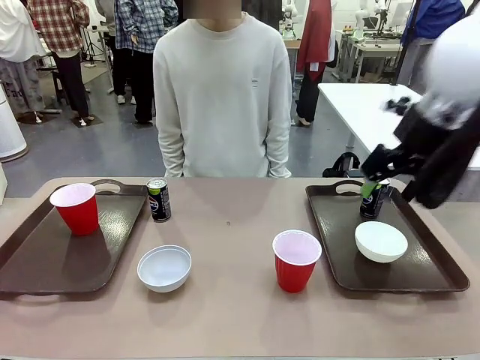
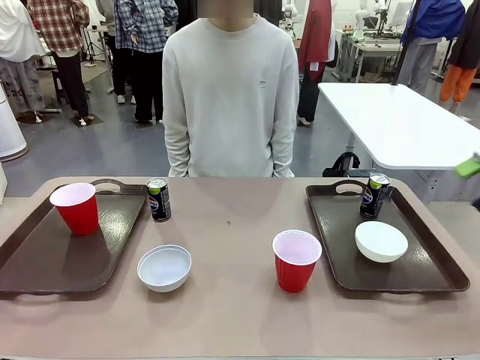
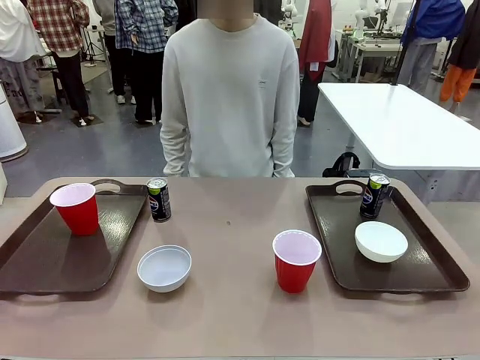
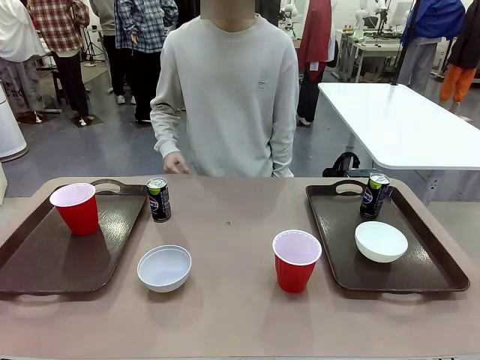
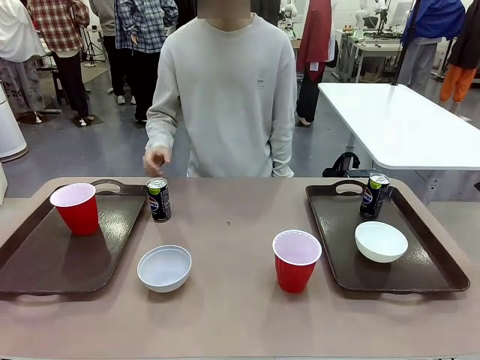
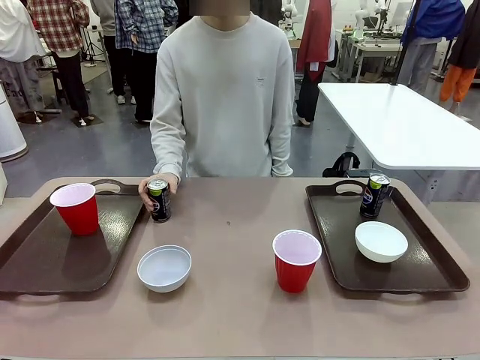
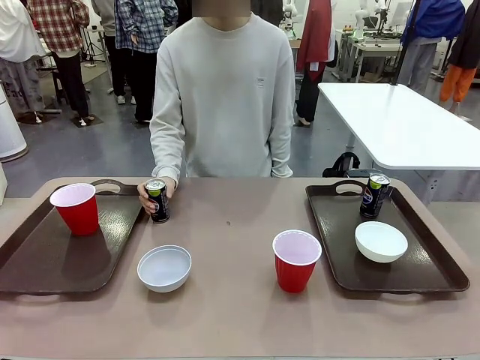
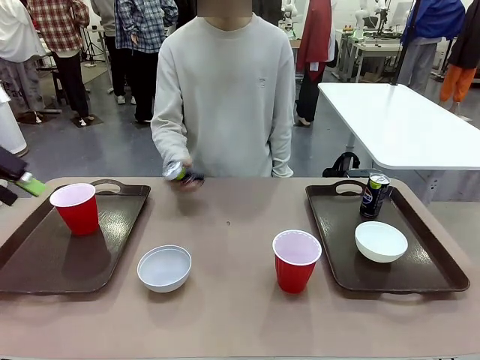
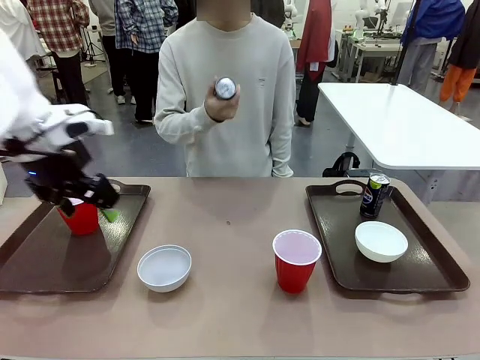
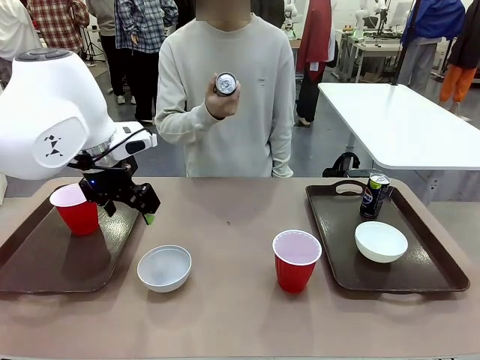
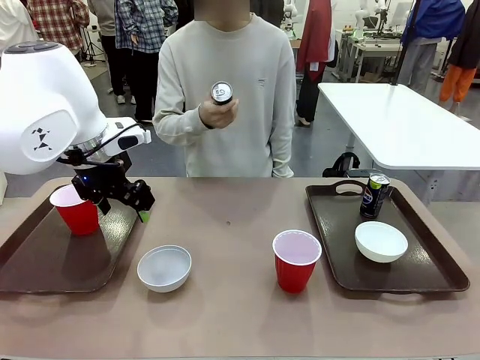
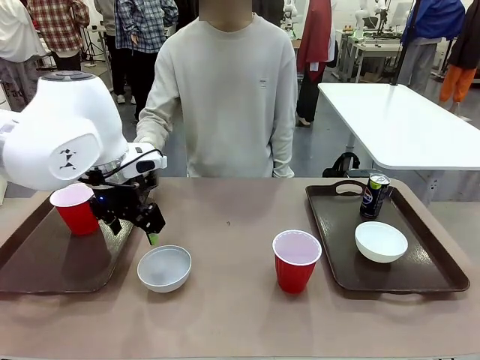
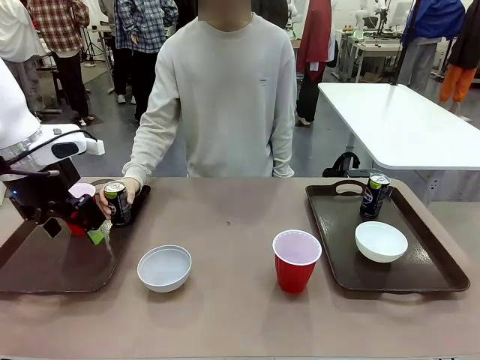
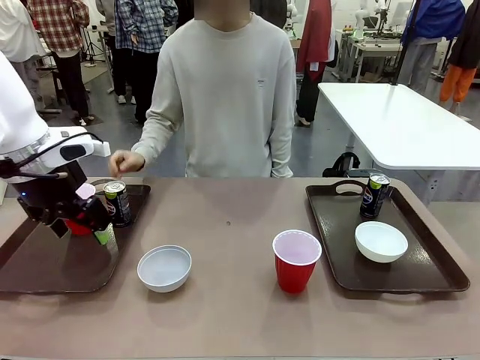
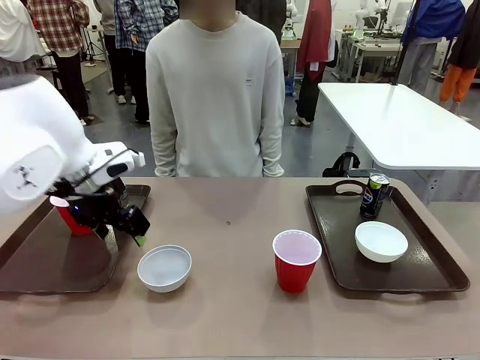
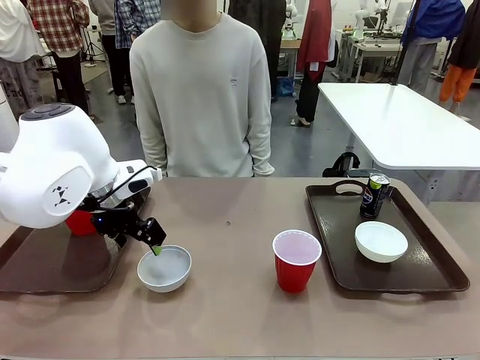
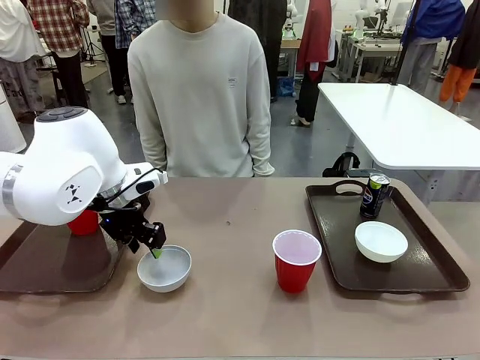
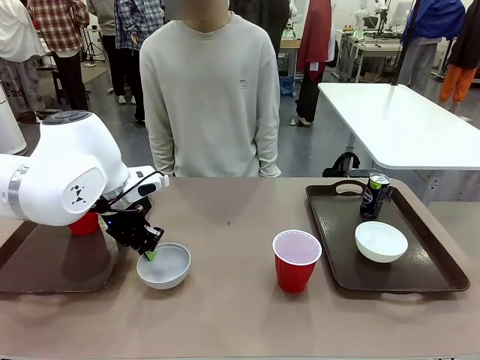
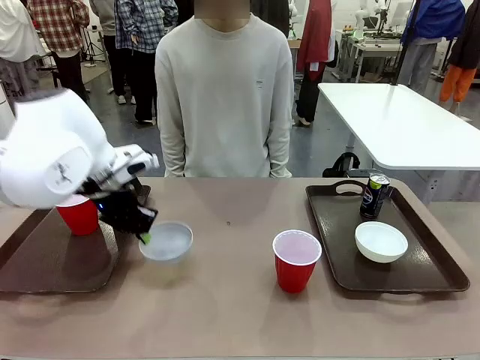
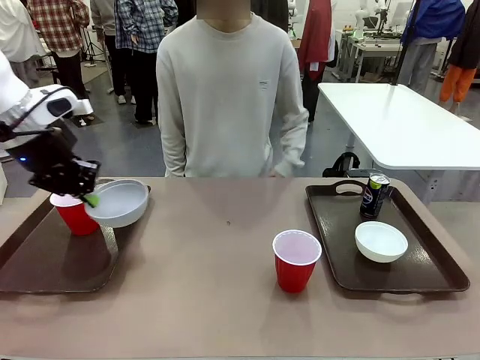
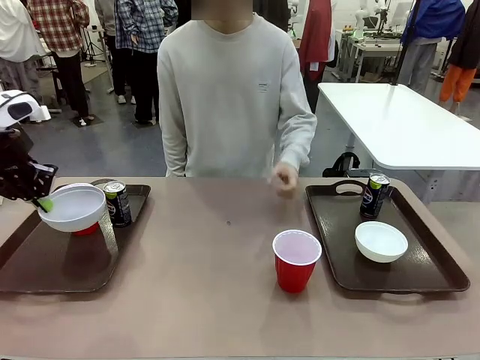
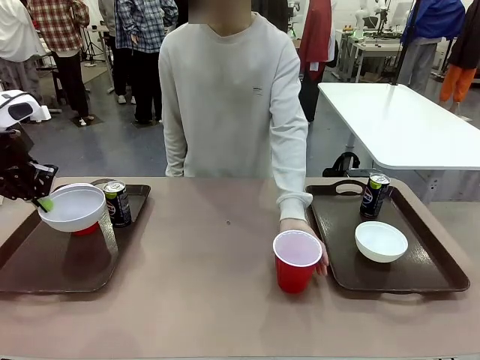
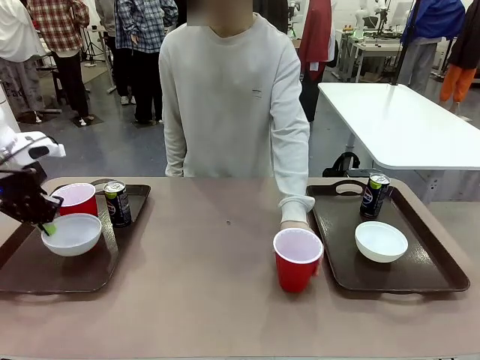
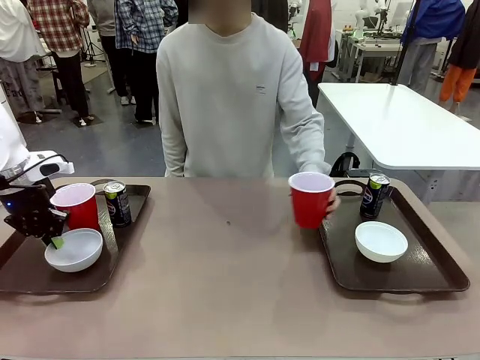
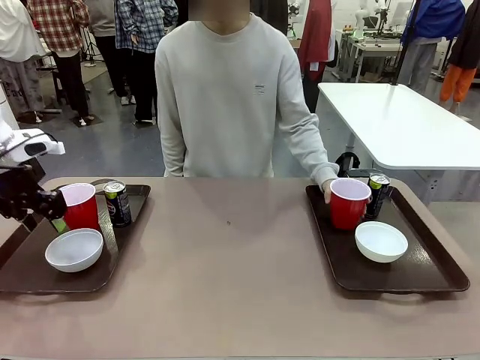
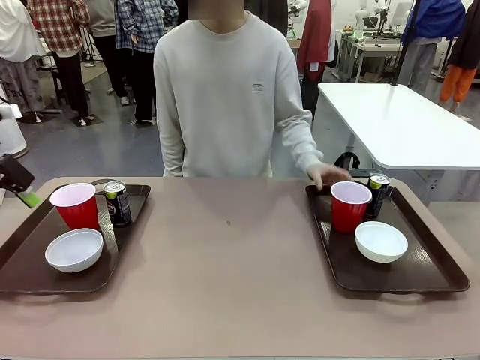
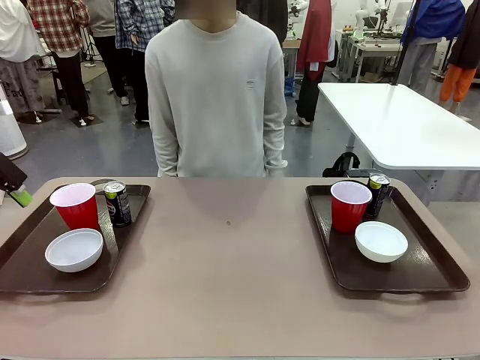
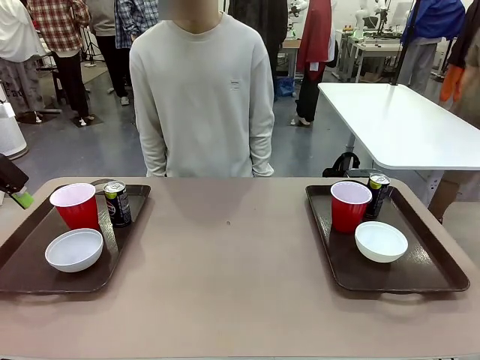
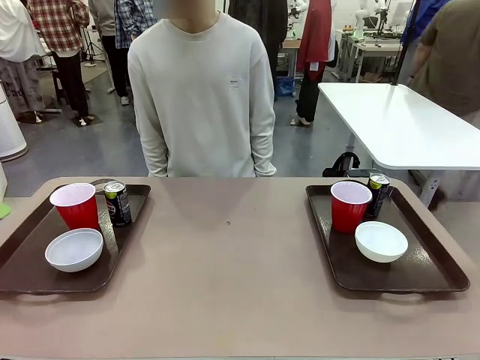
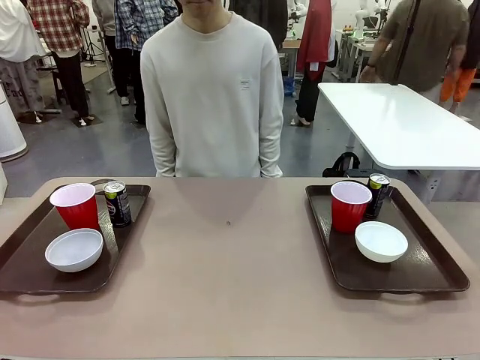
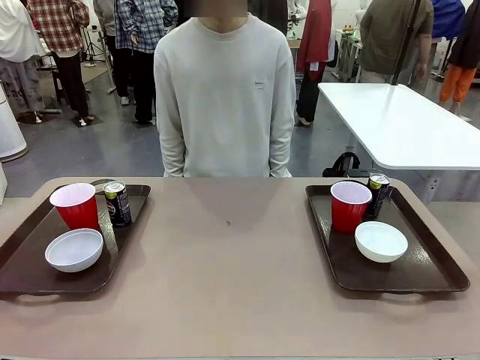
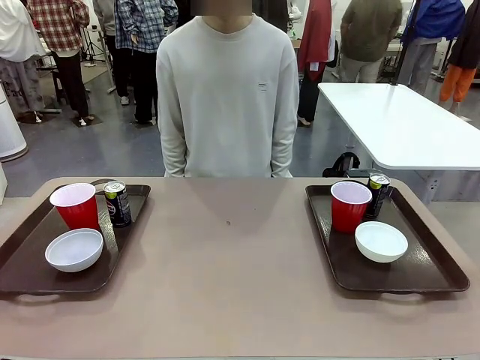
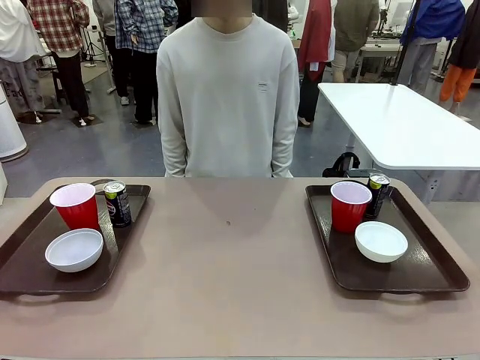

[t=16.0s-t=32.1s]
Task: Prepare tableware on both trays.
Robot: Pick up a Picnic Bowl from the table and place it on a Handle tray.
Person: Pick up a can or cup and place it on the tray without a can or cup.
